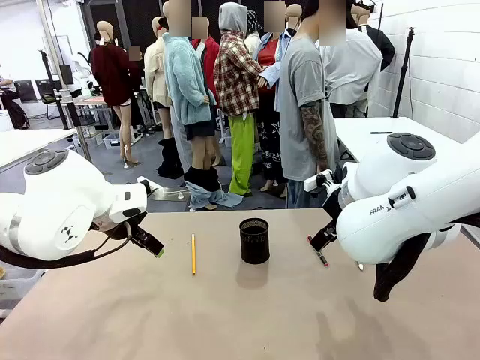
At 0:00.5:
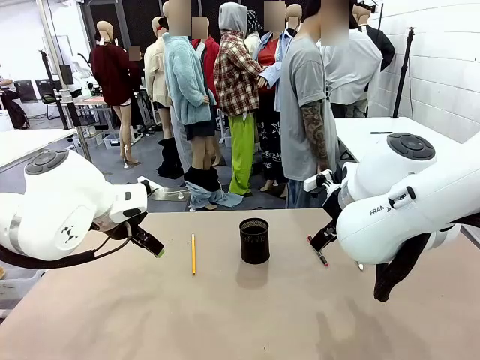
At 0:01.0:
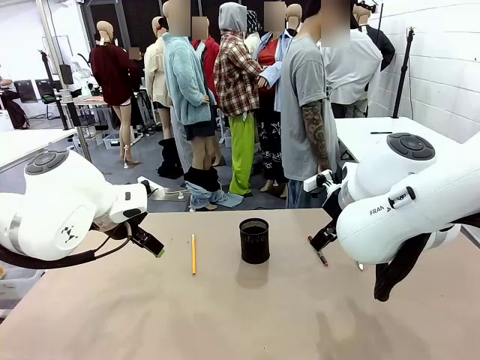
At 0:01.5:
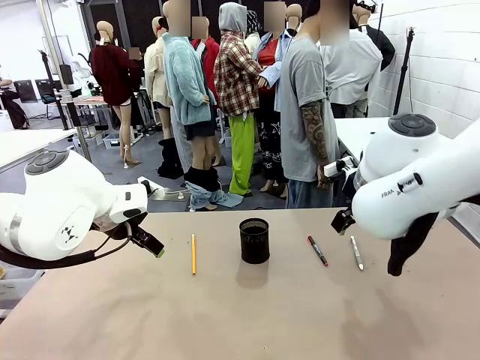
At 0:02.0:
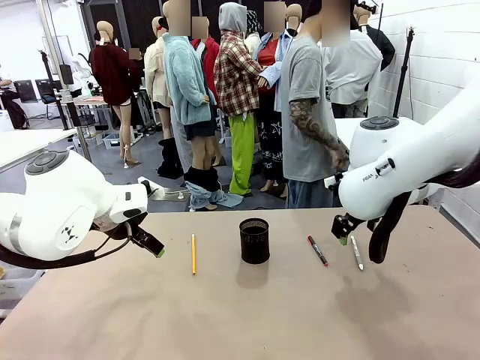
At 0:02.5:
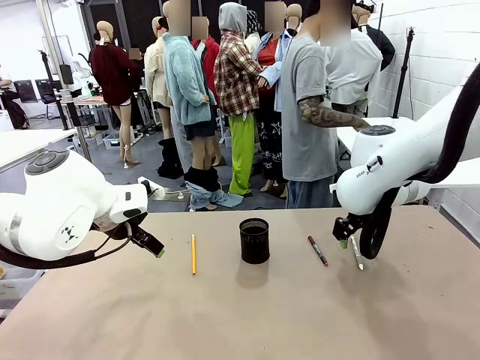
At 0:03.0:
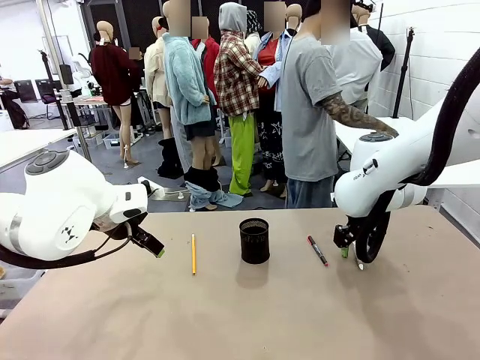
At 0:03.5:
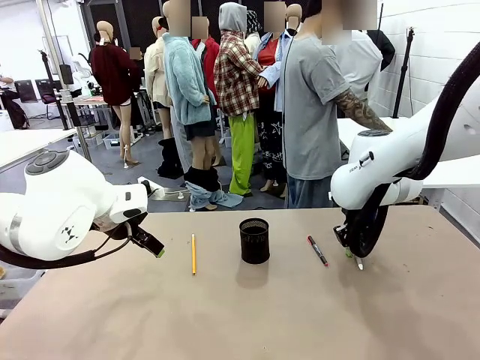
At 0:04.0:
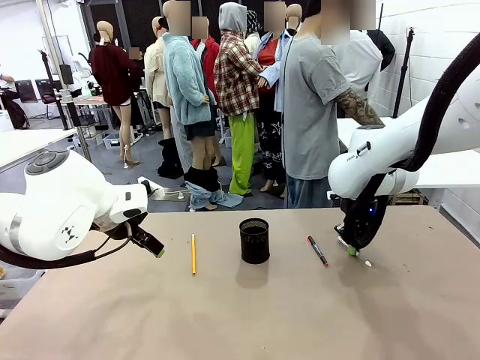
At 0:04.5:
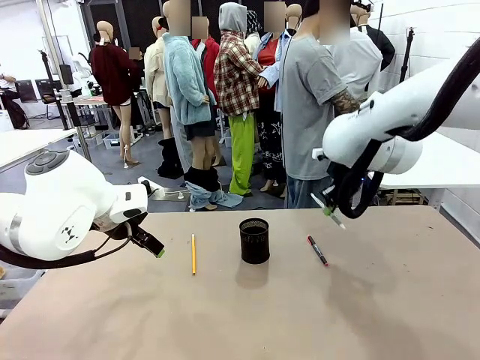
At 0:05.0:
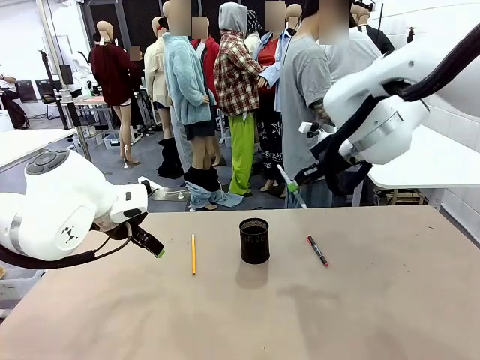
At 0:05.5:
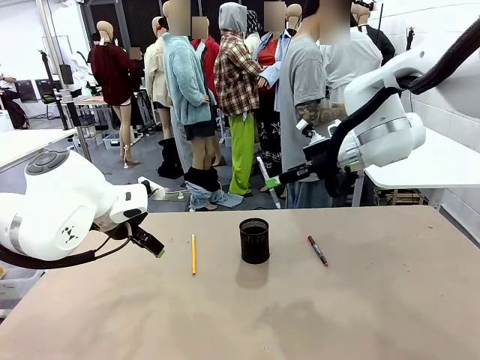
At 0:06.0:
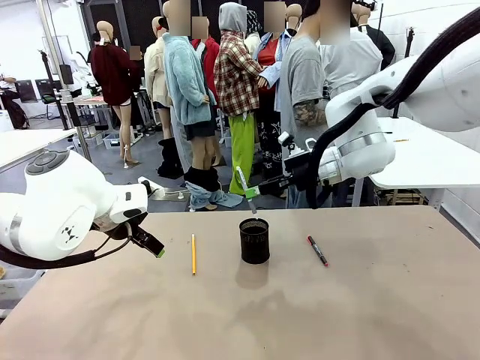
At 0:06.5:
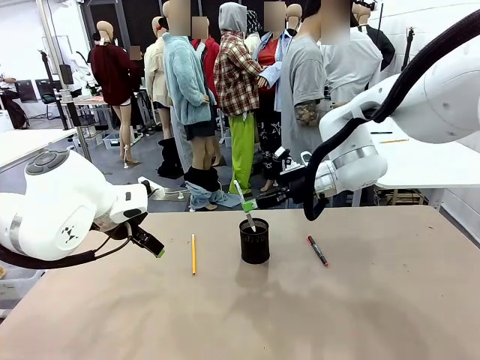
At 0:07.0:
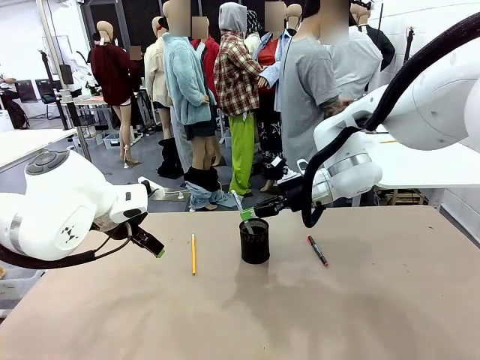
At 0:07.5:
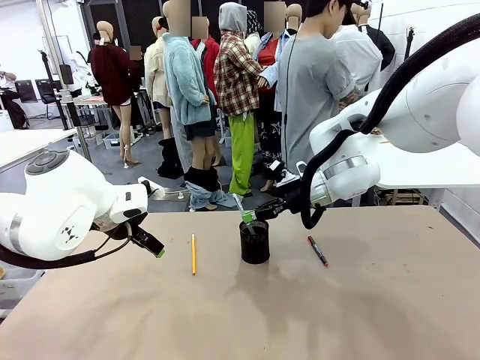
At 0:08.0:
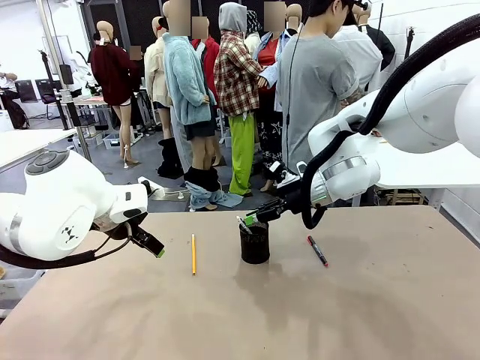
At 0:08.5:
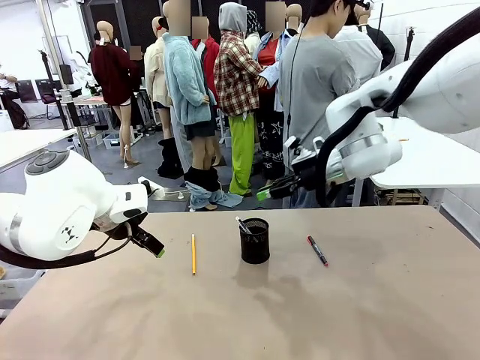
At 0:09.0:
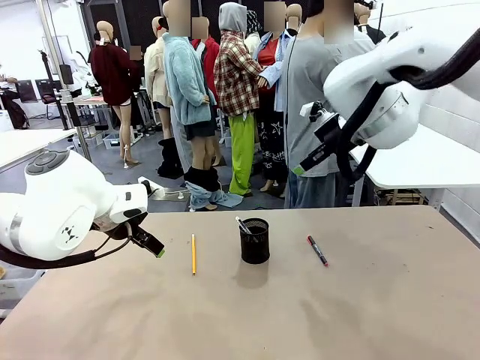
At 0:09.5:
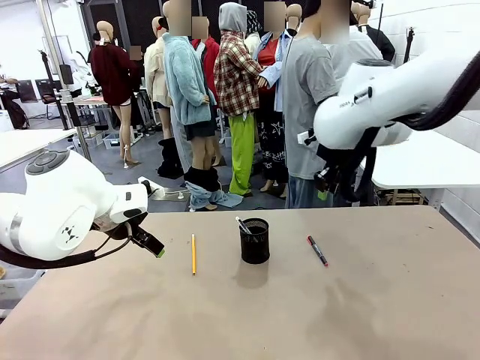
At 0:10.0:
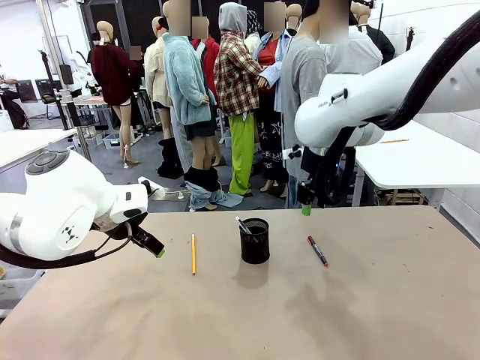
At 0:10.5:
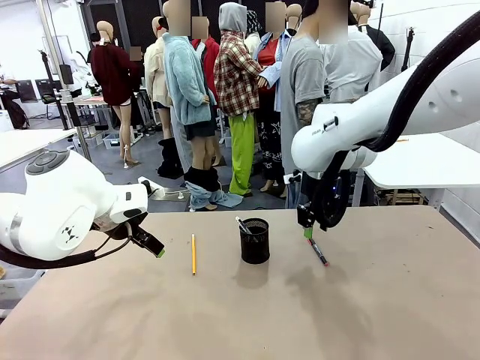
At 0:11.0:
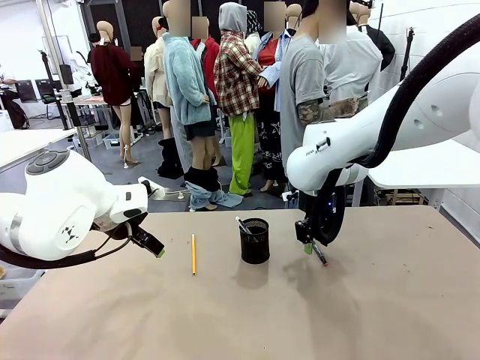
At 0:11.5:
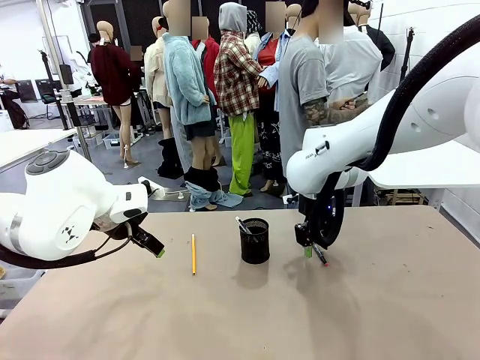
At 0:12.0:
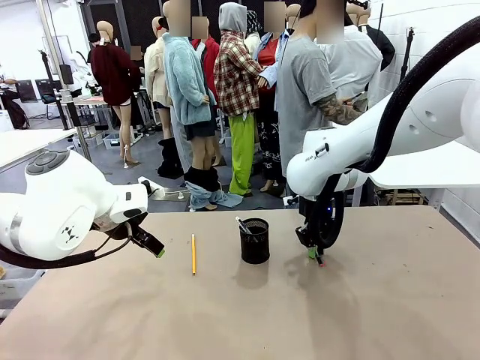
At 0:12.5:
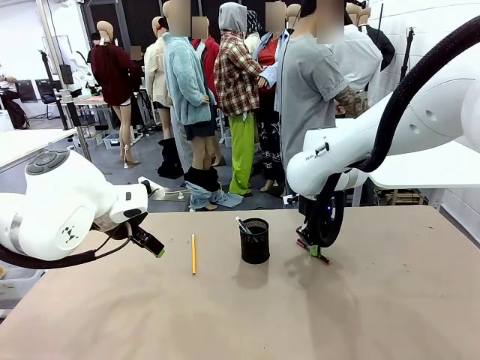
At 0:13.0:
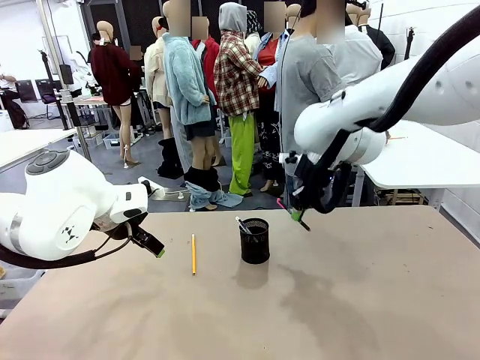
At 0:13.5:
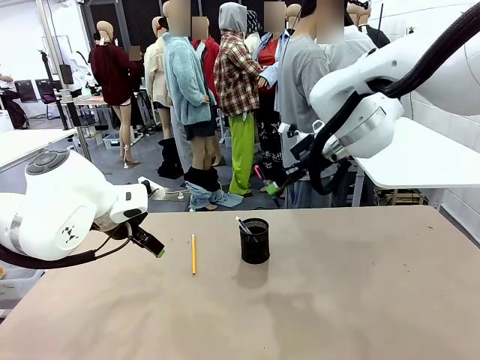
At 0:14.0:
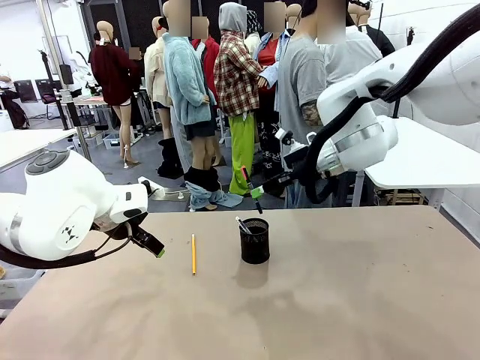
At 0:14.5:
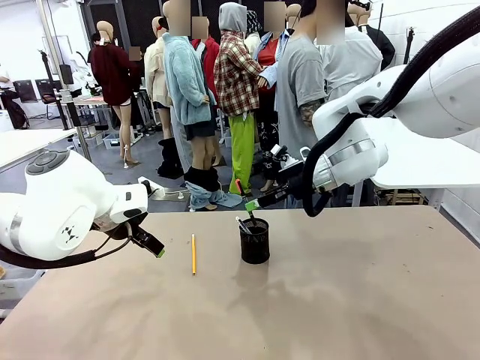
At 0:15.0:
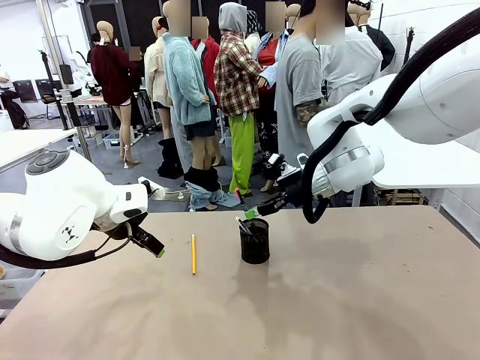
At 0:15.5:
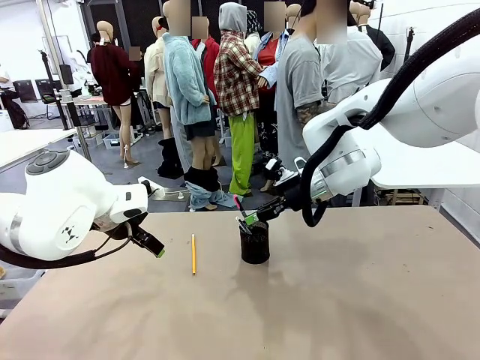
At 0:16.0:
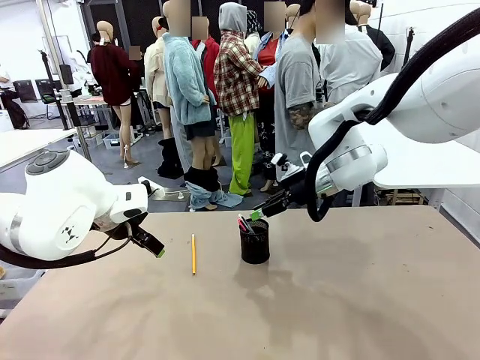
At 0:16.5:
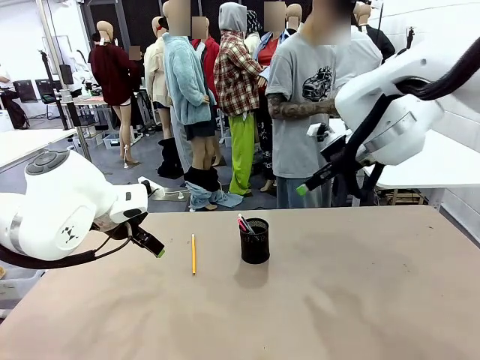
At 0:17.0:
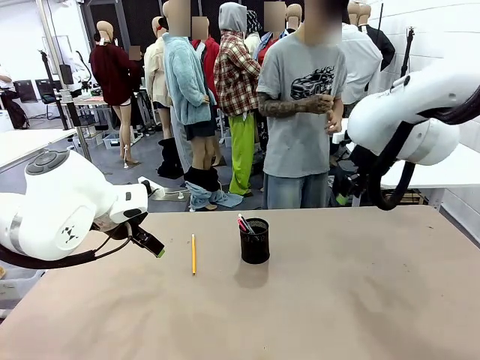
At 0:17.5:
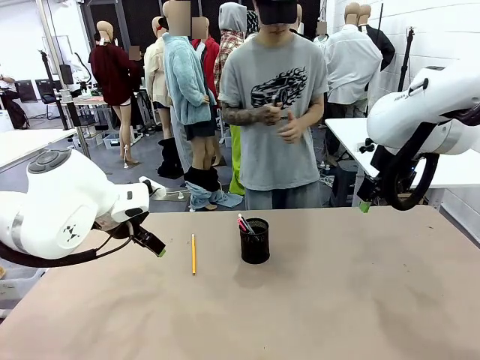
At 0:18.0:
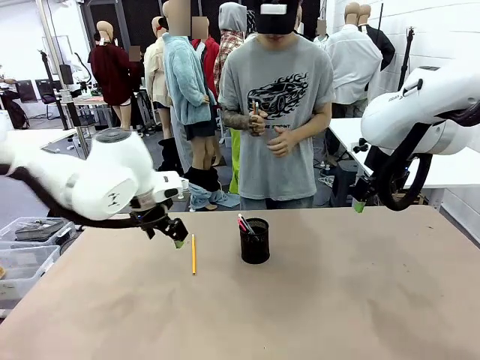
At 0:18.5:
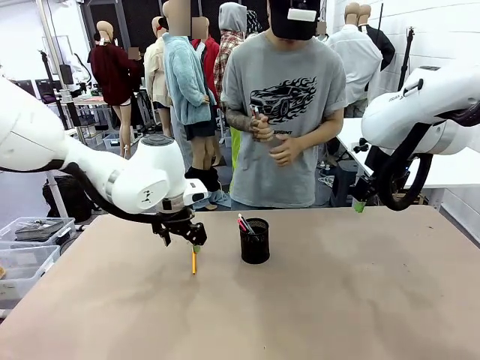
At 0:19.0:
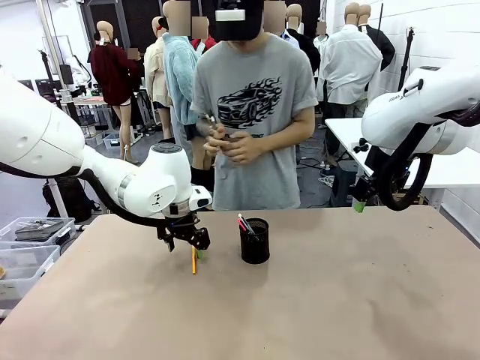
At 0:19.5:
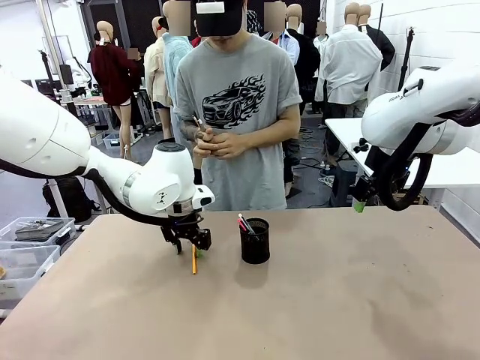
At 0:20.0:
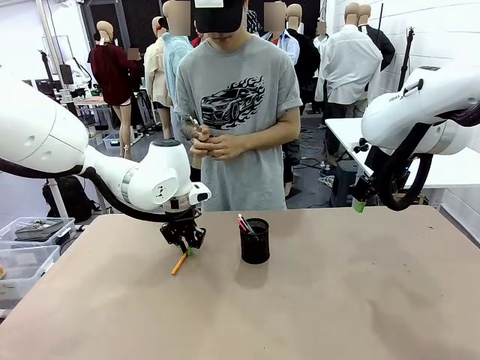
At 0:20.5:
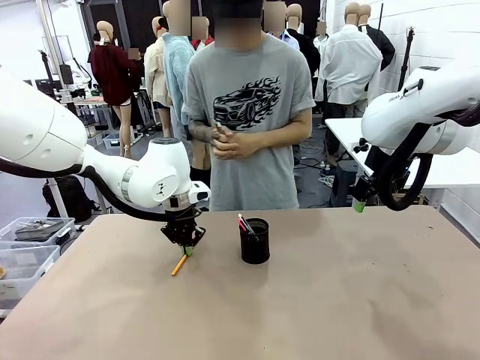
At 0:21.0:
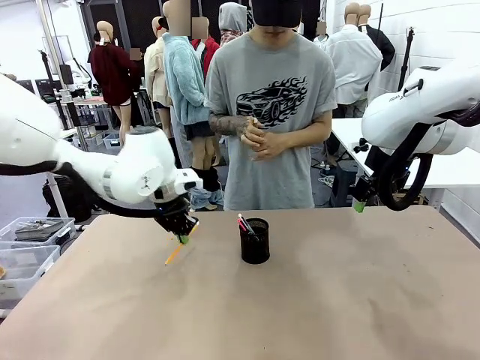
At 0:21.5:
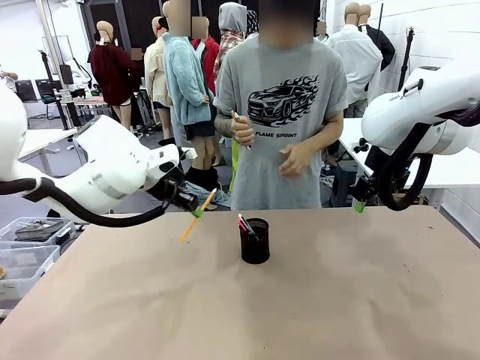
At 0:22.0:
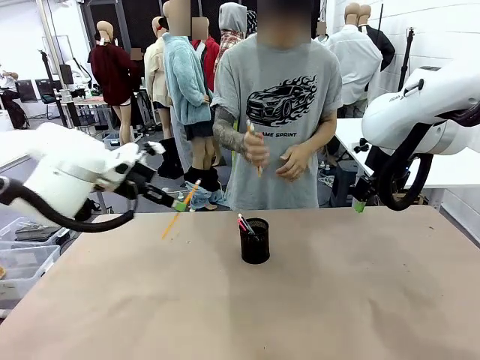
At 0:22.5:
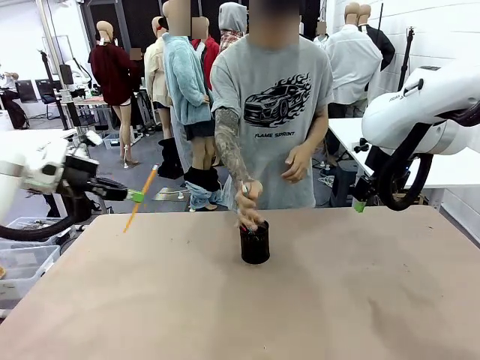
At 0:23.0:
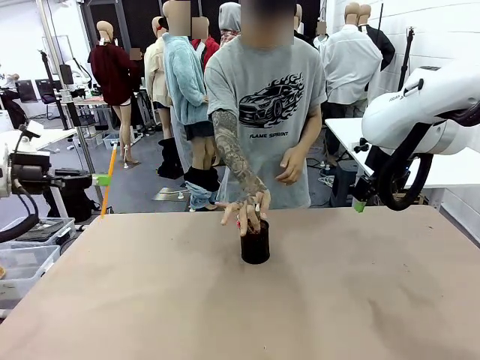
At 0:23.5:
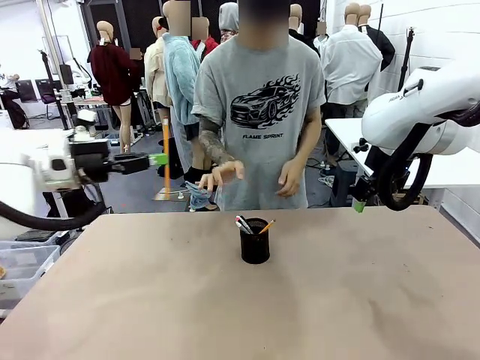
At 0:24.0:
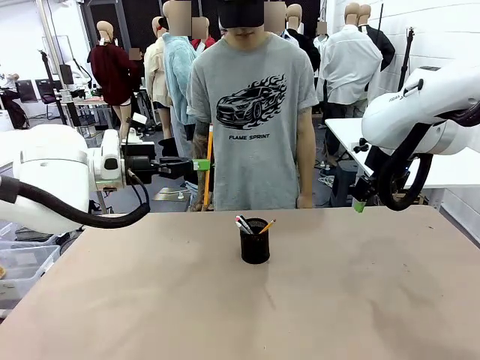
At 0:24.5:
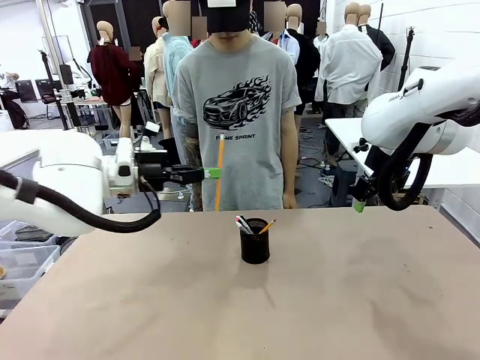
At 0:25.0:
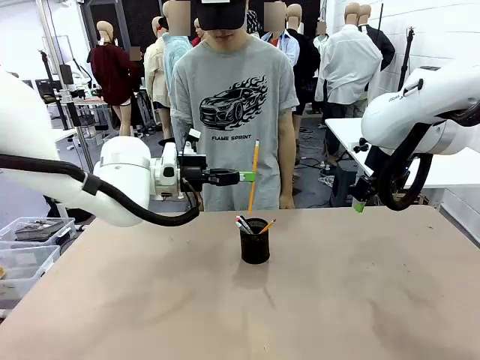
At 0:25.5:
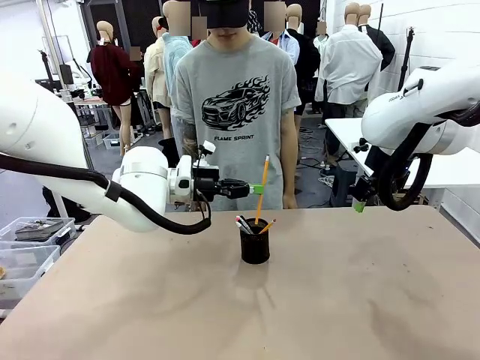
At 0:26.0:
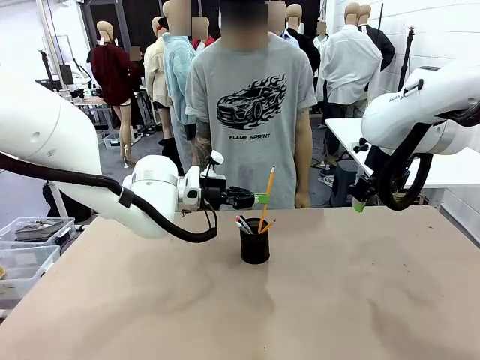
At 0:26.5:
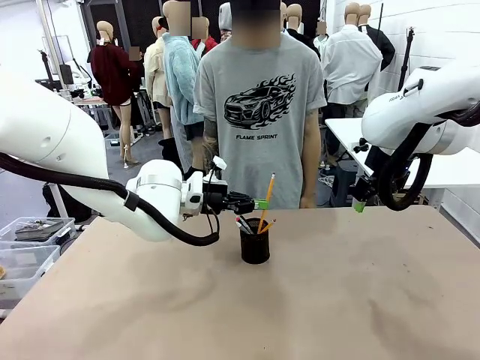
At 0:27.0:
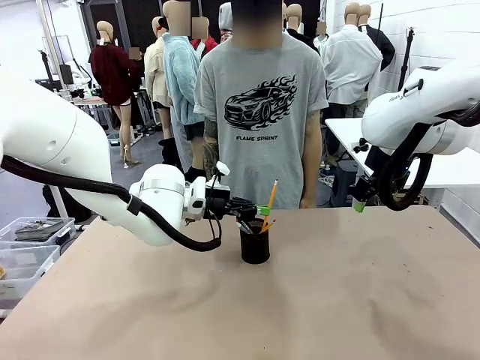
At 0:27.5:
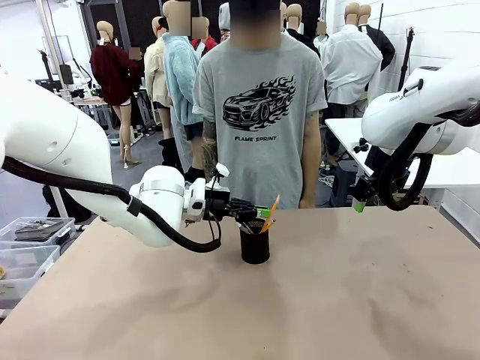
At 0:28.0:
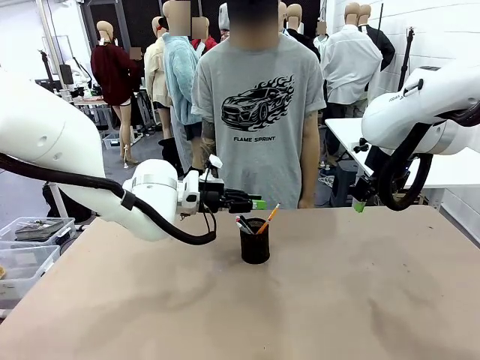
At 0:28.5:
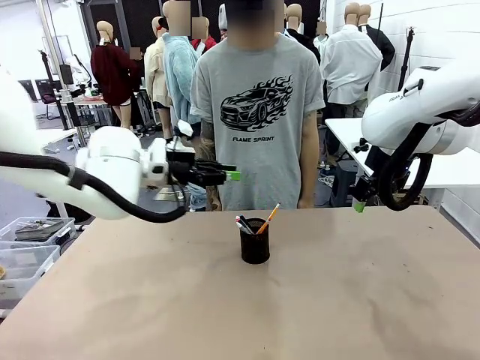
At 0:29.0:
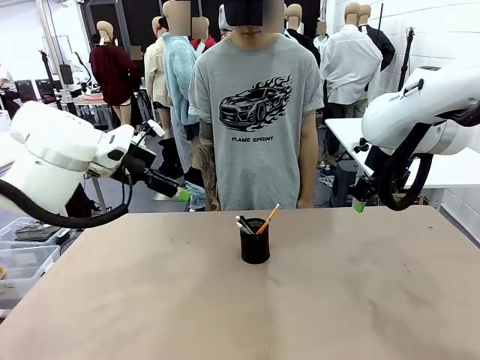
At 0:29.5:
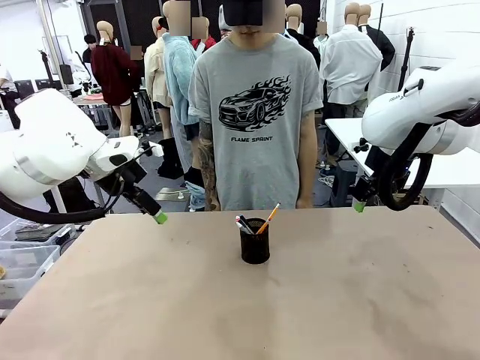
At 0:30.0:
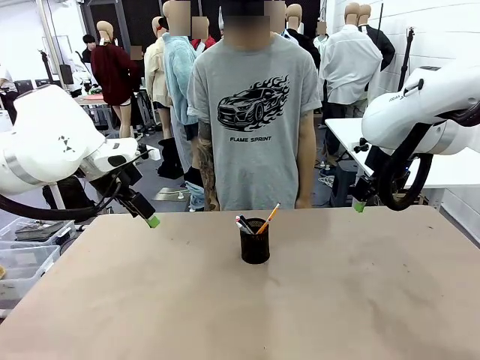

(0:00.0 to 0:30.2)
Task: Place the pens into the pen holder.
Robot: Pick up a writing instrument from the table and place it into the Pen holder.
Person: Pick up all writing instruments from the Human table. Place all writing instrument into the Pen holder.
